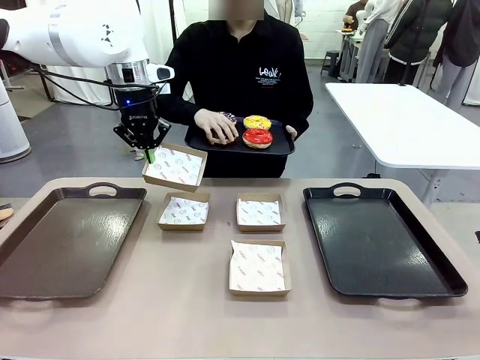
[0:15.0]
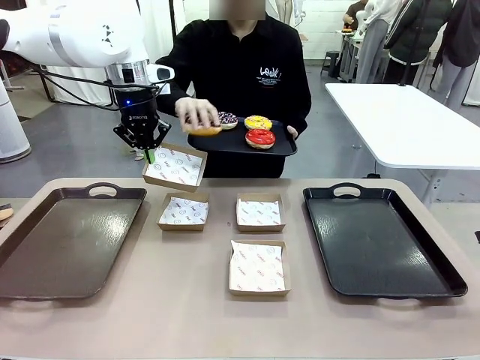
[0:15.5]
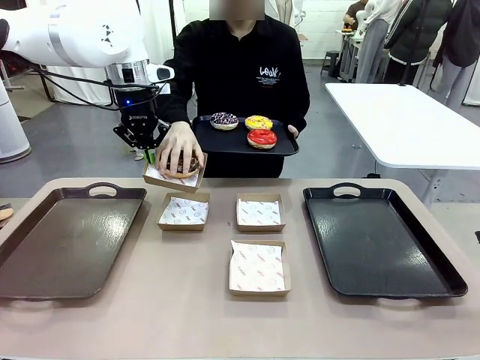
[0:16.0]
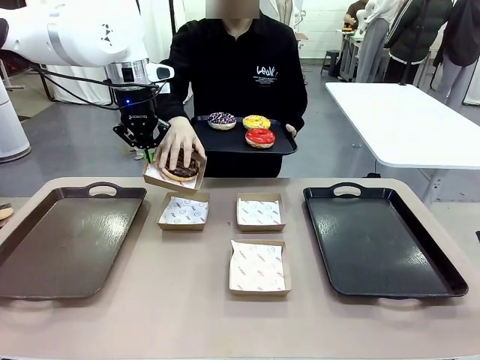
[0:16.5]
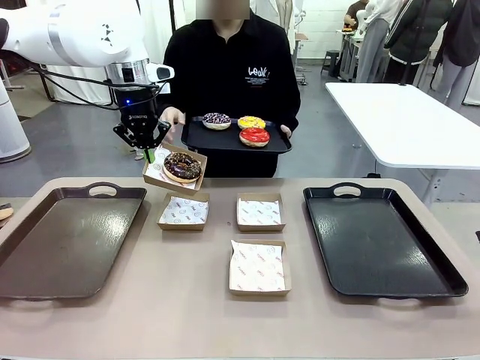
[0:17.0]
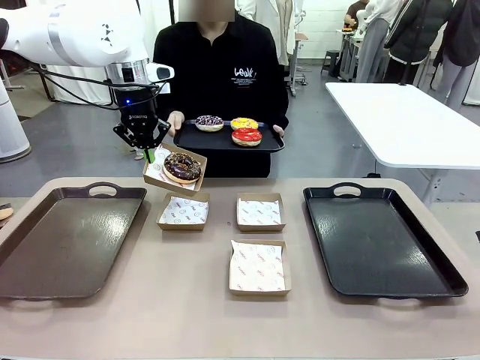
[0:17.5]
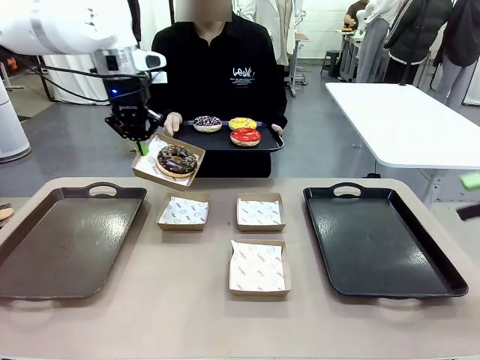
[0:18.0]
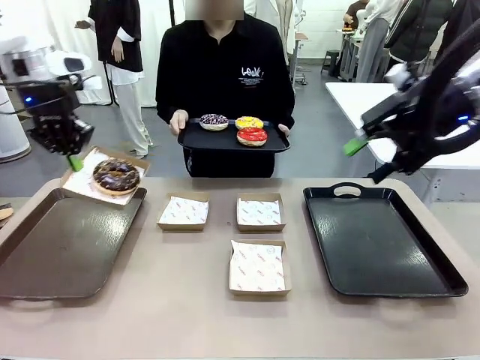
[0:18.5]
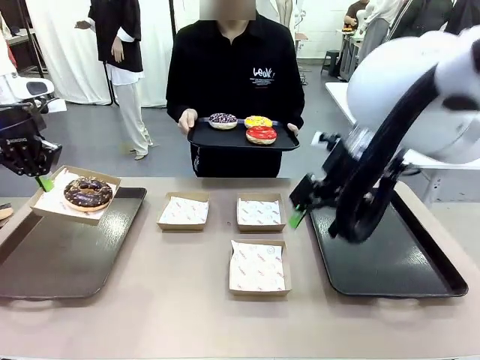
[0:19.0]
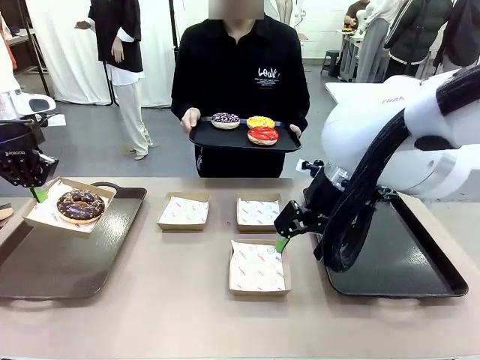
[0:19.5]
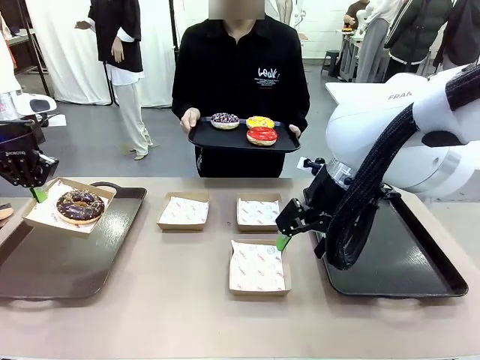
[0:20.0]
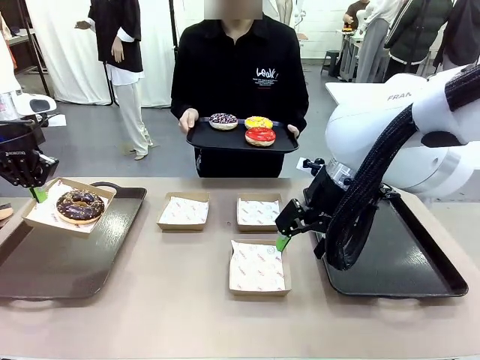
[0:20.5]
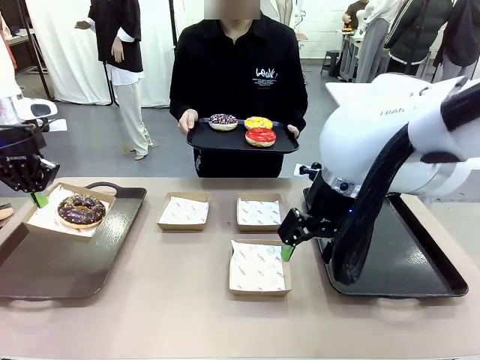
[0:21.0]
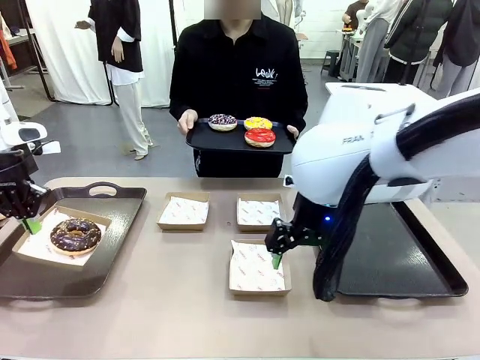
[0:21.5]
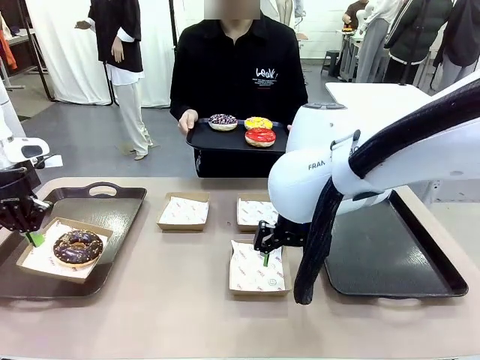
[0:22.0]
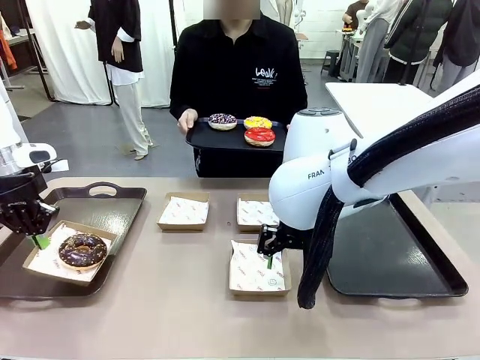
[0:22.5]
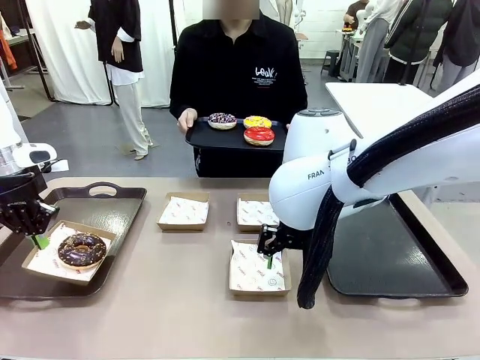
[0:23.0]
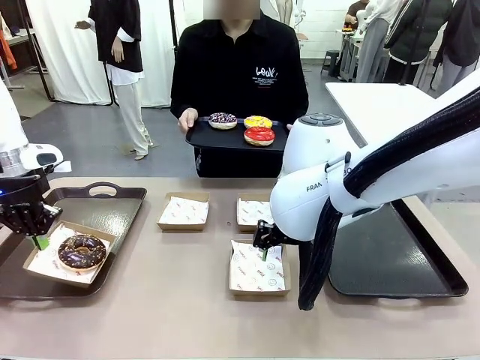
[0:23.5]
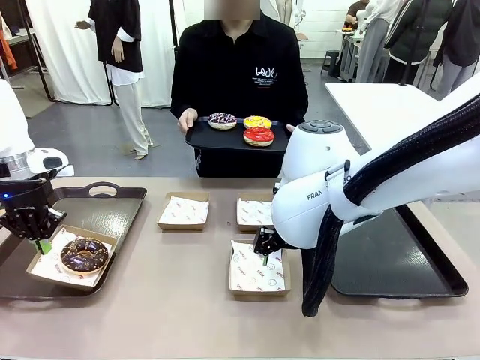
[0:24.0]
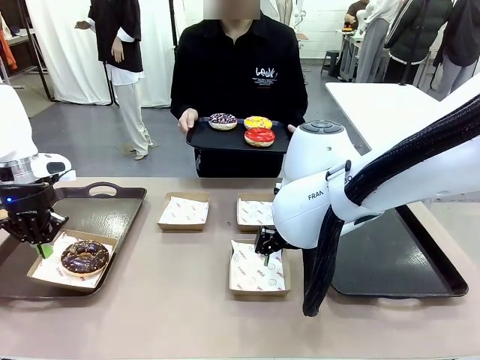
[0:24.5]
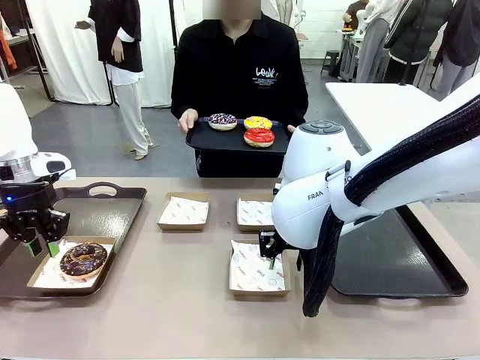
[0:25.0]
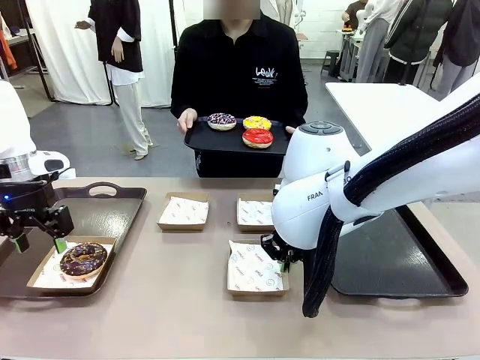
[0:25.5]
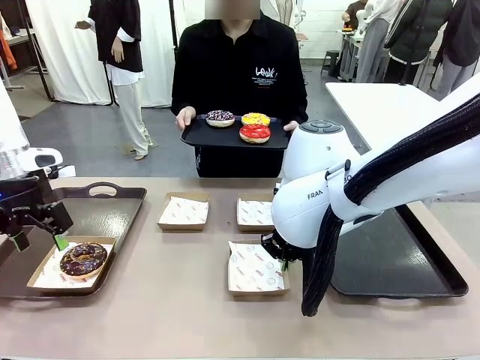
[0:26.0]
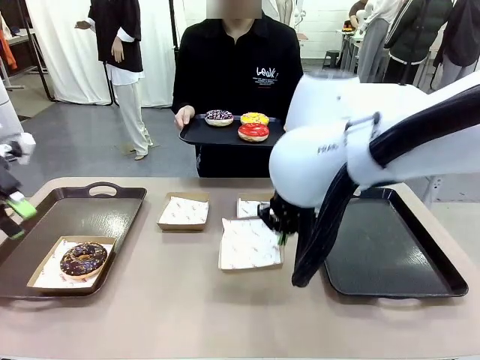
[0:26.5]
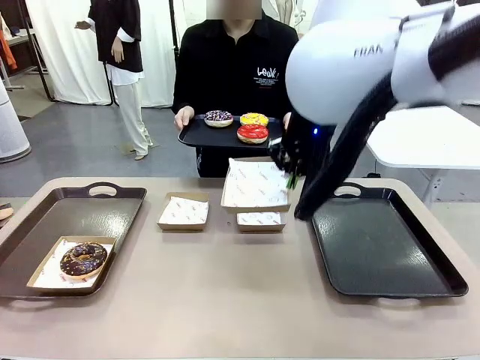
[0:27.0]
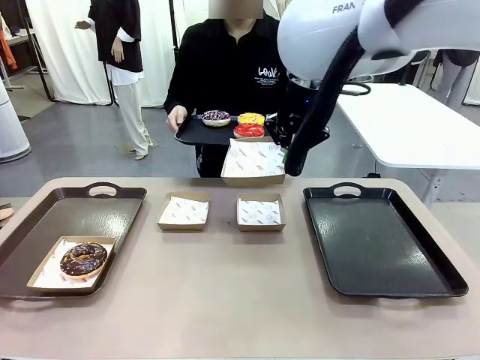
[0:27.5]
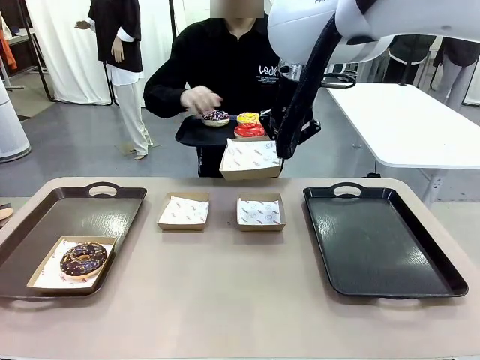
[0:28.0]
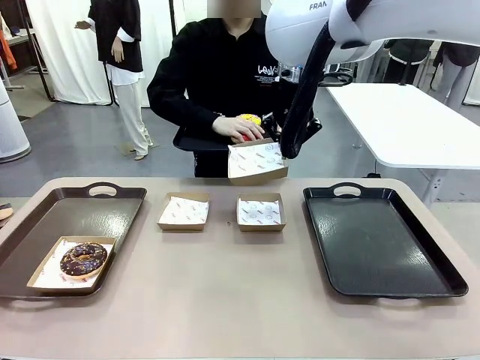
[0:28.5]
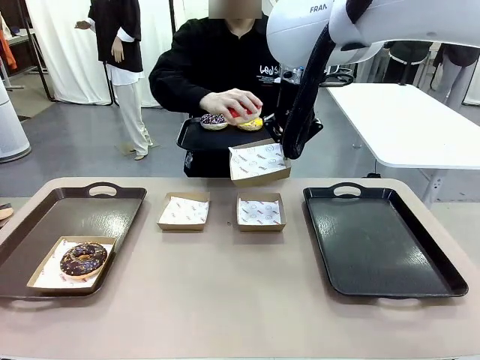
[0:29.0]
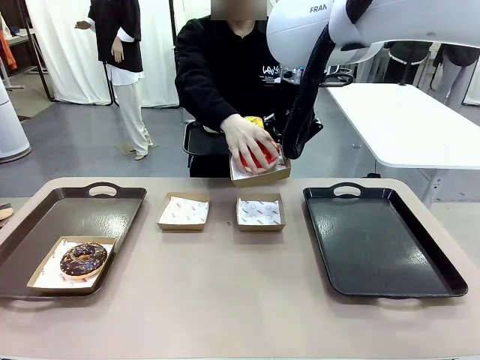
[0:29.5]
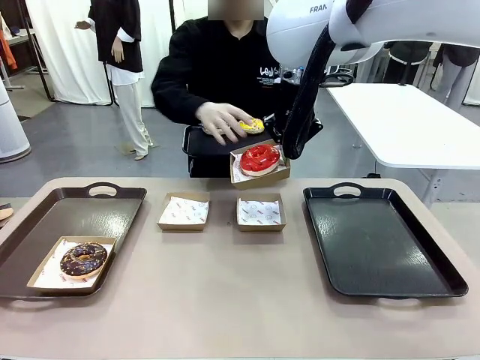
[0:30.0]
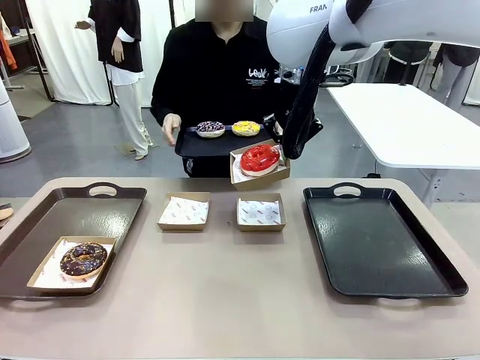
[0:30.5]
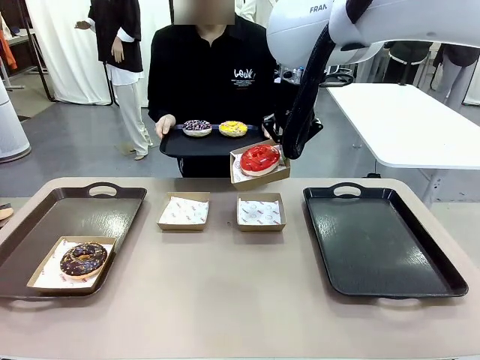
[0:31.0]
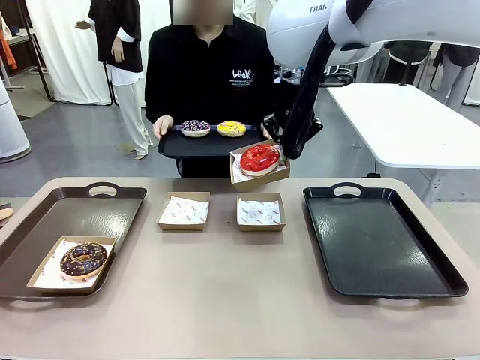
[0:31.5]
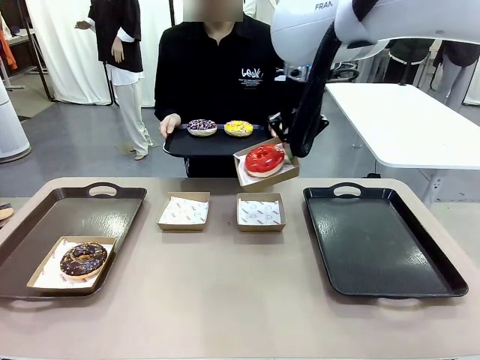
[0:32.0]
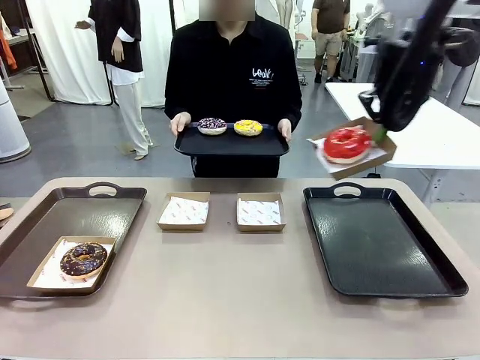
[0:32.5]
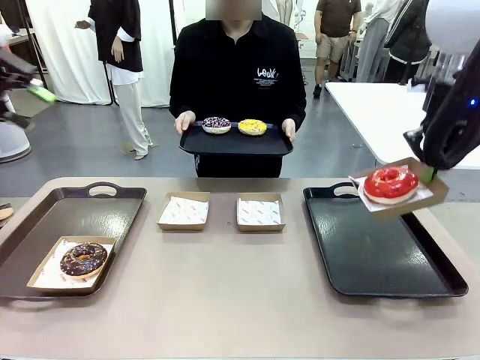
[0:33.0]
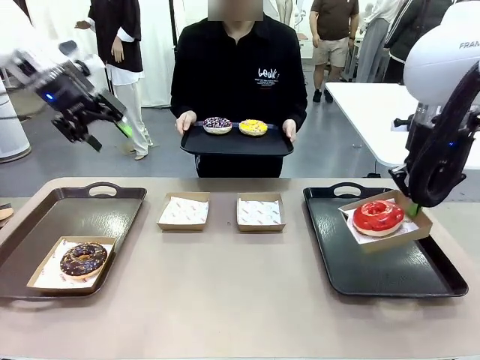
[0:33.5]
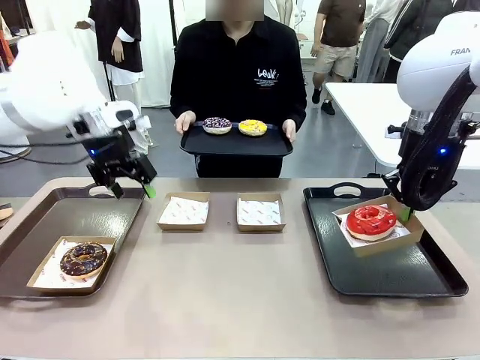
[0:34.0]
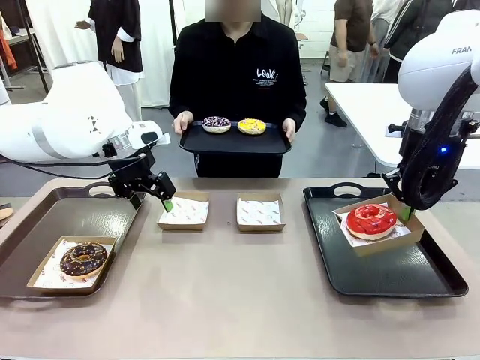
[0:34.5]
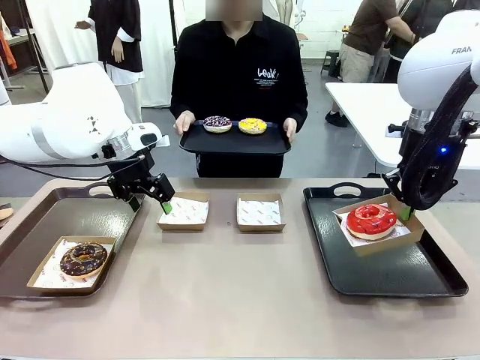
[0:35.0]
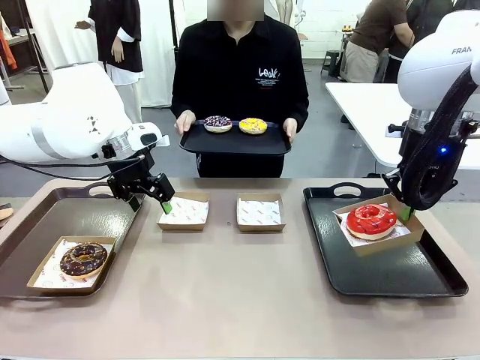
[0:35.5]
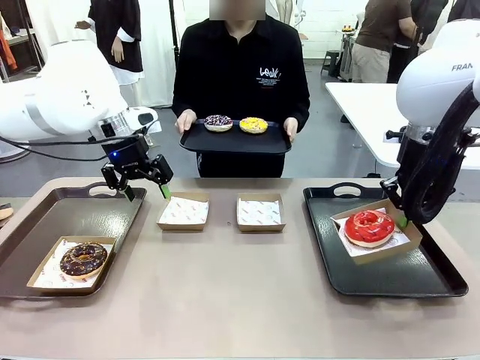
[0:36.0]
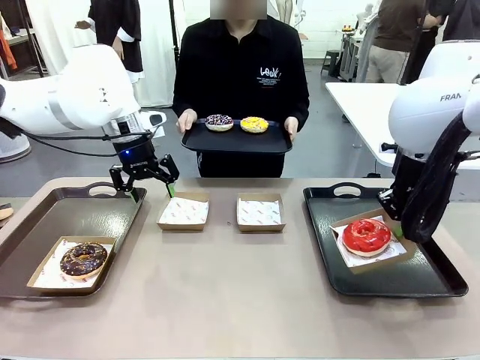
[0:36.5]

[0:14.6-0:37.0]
Task: Individually package the donuts and arrange them on the tray.
Robot: Place the picked Paper togo box on the Handle tray while simultaneously picking up another Paper togo box from the table with the other hand.
